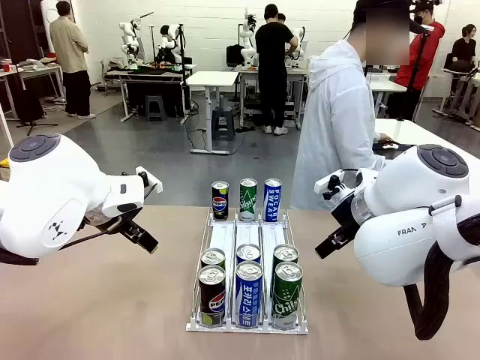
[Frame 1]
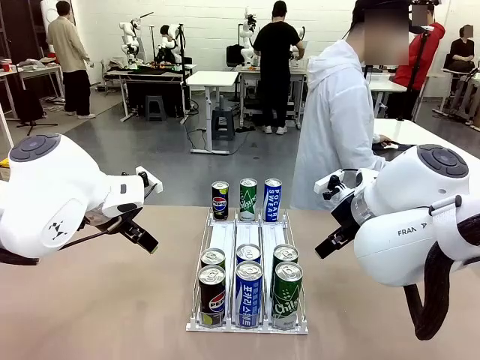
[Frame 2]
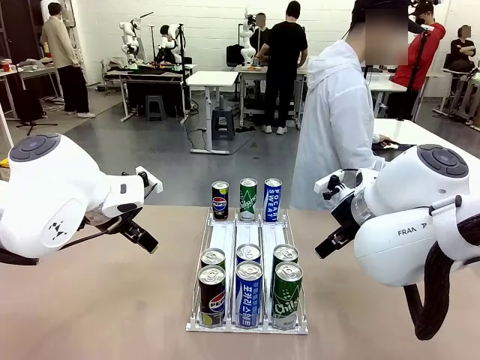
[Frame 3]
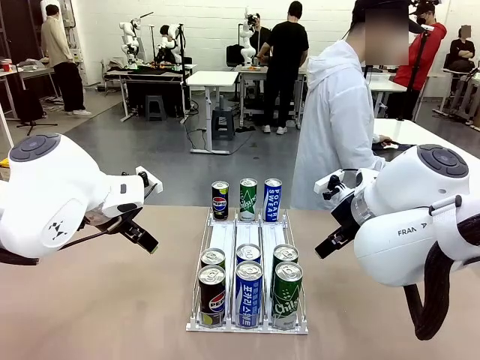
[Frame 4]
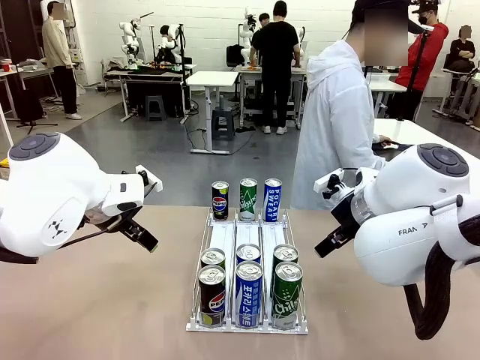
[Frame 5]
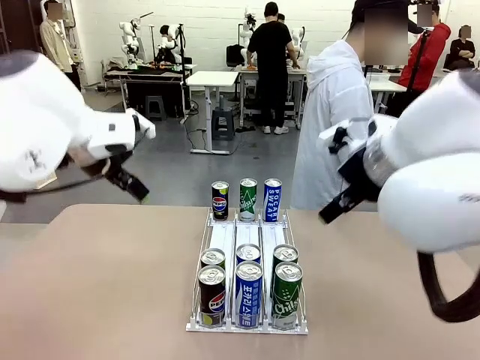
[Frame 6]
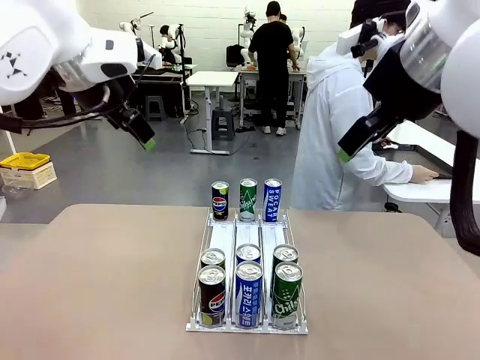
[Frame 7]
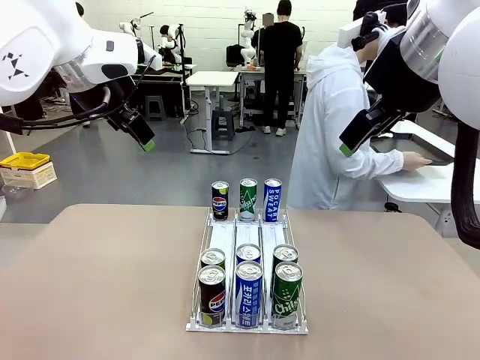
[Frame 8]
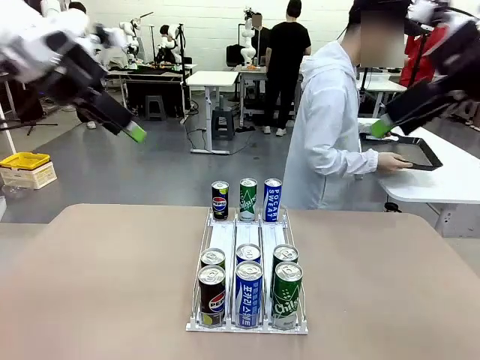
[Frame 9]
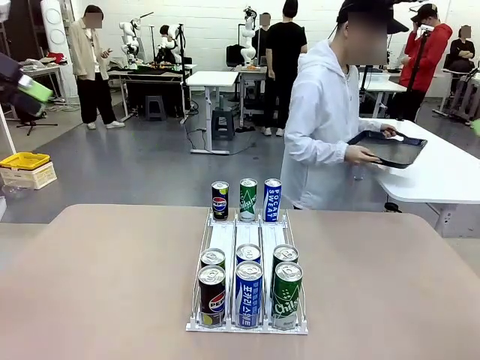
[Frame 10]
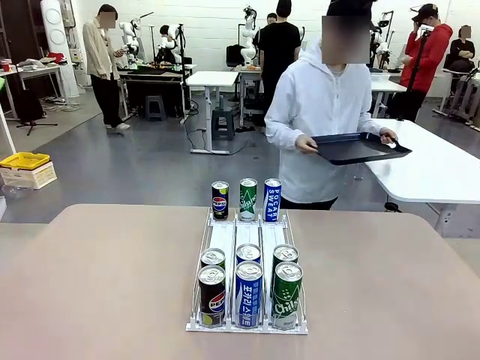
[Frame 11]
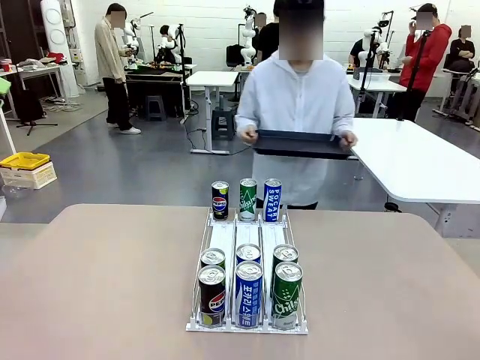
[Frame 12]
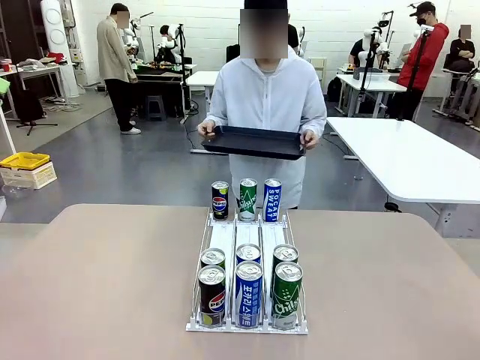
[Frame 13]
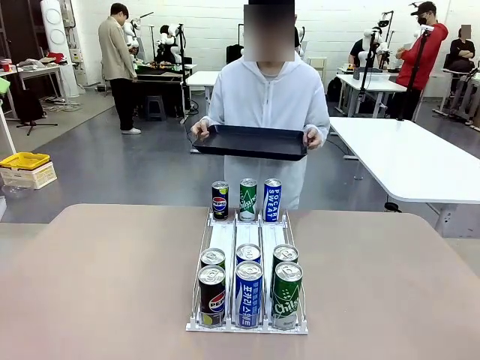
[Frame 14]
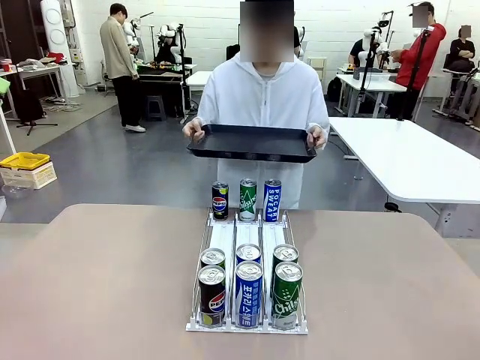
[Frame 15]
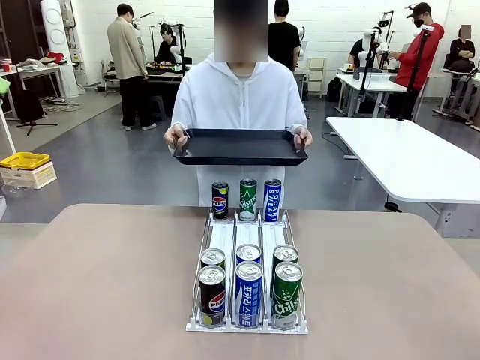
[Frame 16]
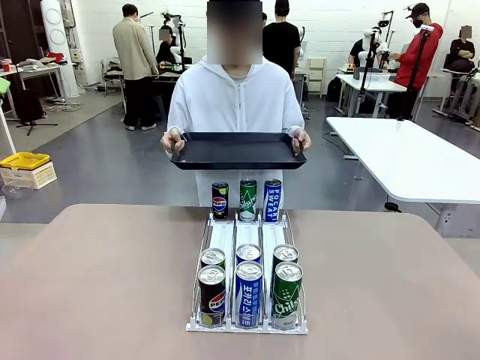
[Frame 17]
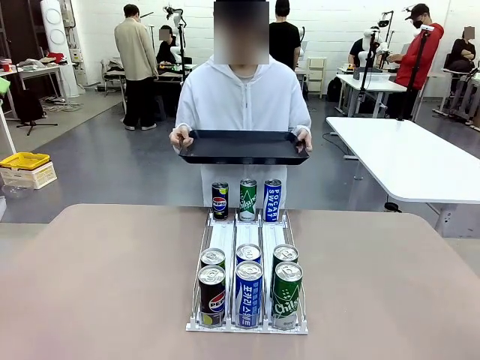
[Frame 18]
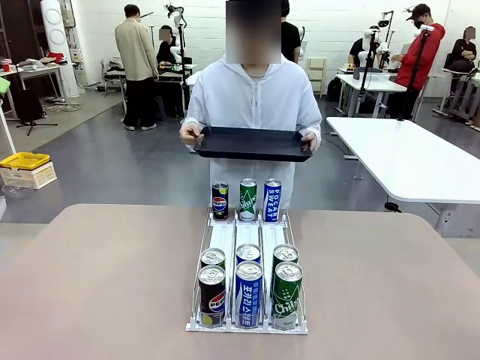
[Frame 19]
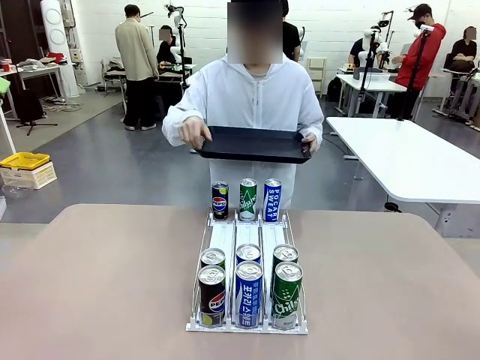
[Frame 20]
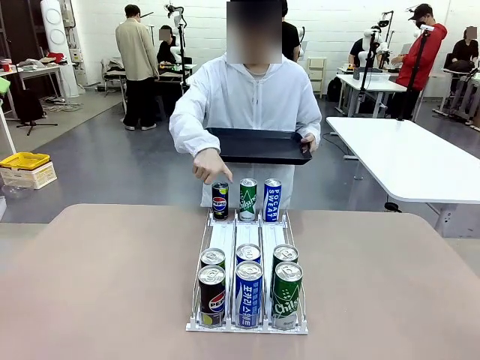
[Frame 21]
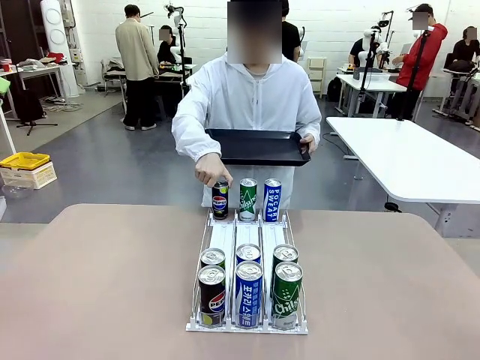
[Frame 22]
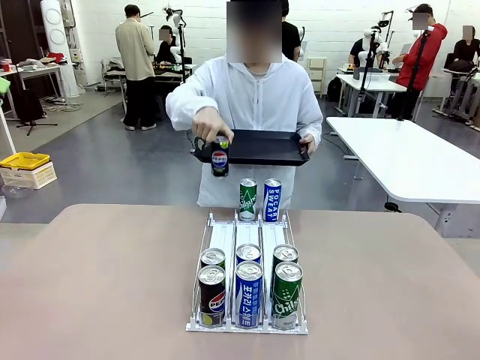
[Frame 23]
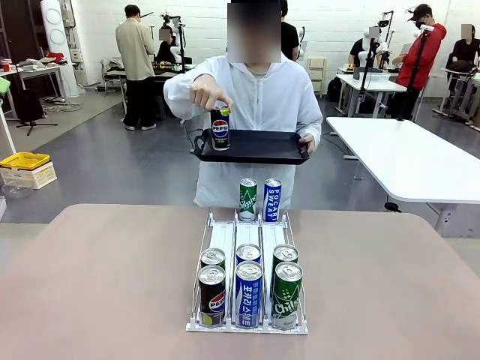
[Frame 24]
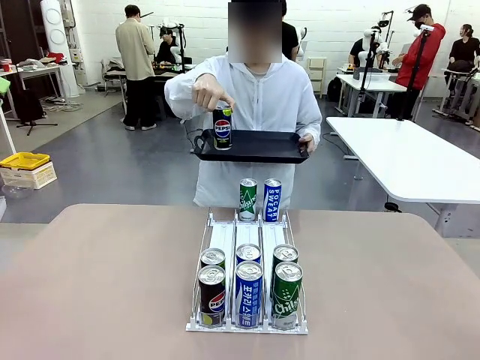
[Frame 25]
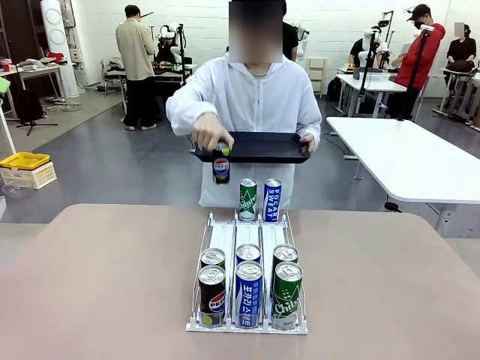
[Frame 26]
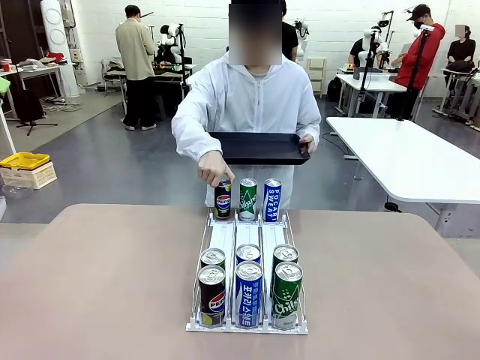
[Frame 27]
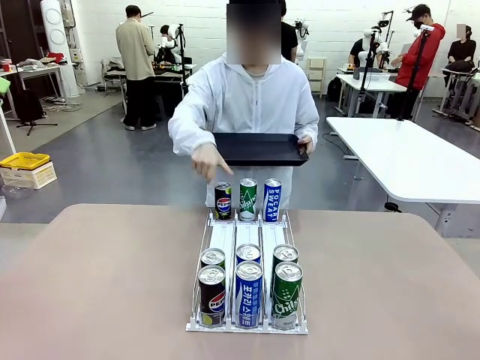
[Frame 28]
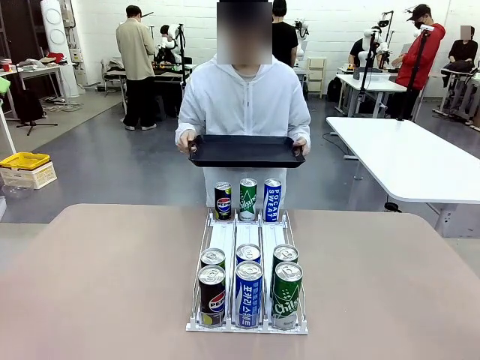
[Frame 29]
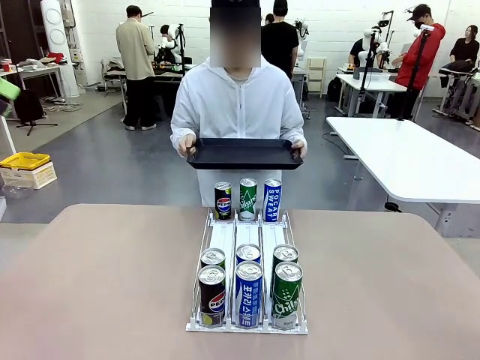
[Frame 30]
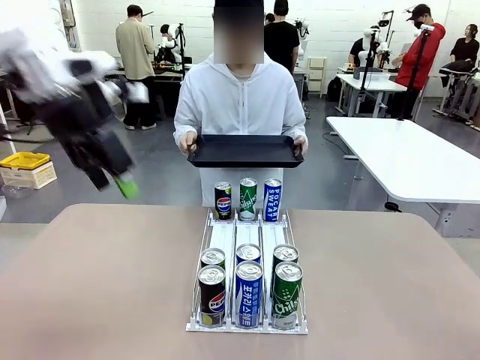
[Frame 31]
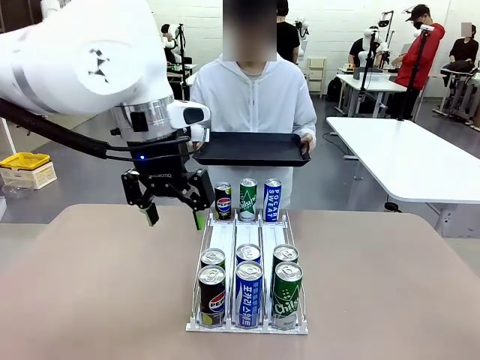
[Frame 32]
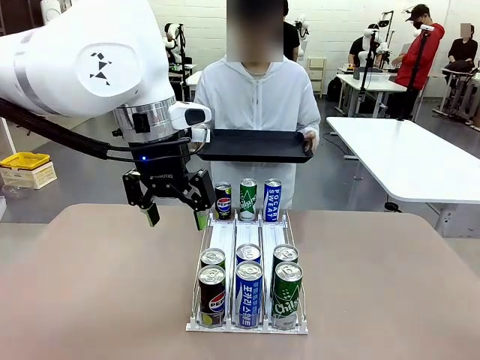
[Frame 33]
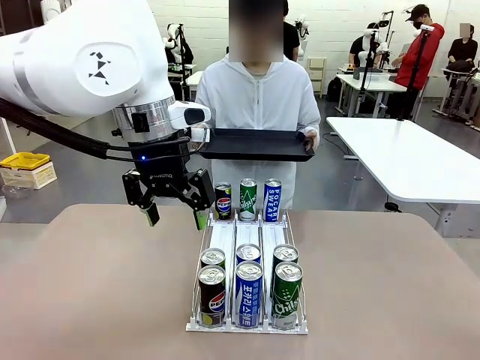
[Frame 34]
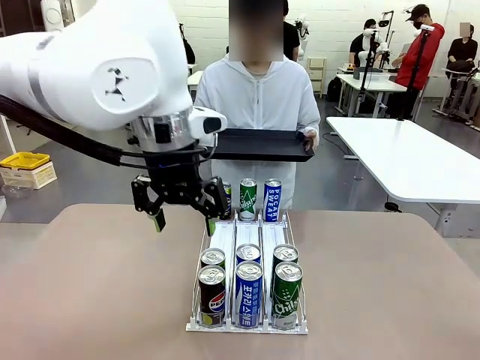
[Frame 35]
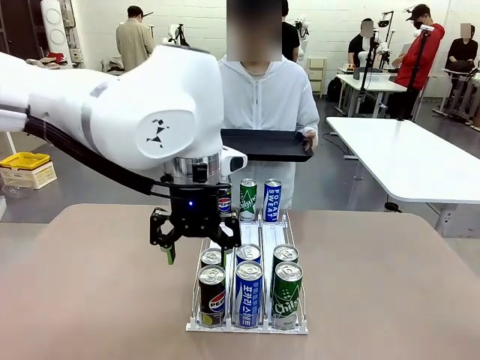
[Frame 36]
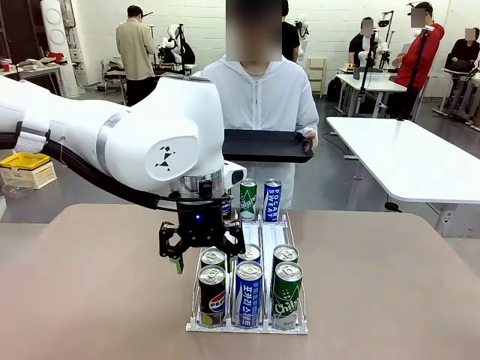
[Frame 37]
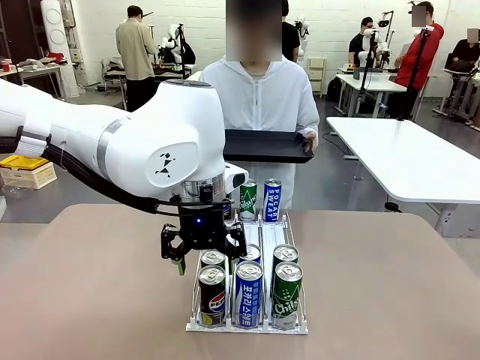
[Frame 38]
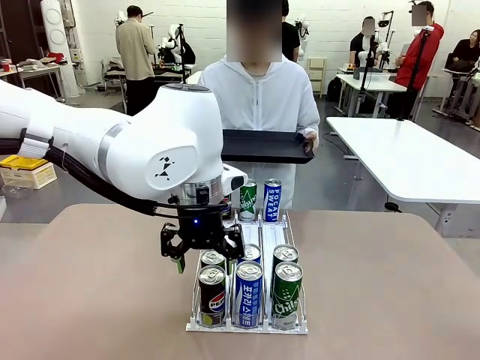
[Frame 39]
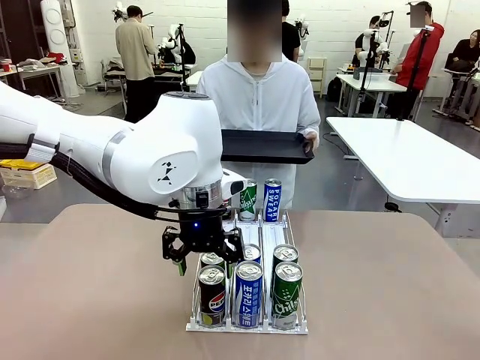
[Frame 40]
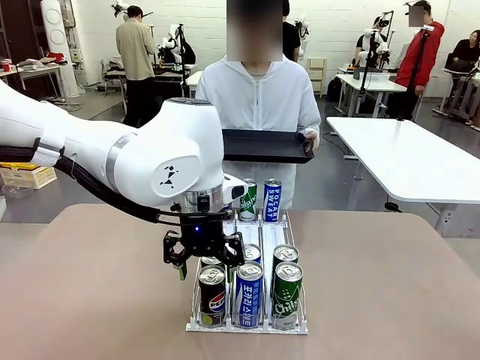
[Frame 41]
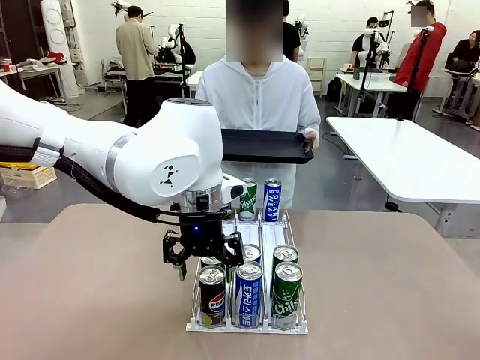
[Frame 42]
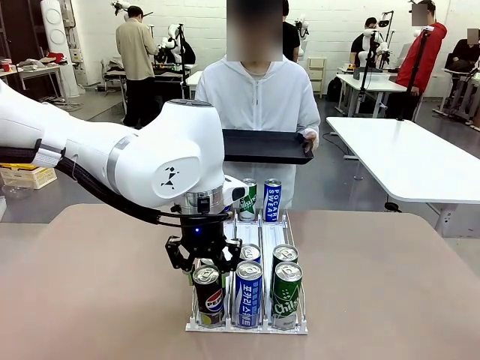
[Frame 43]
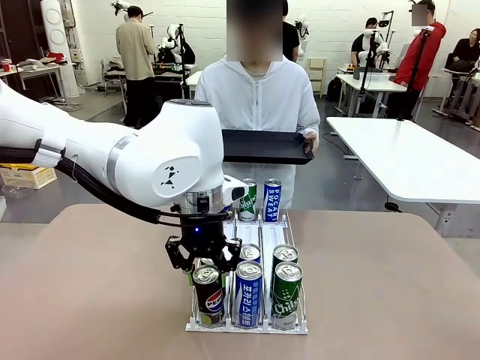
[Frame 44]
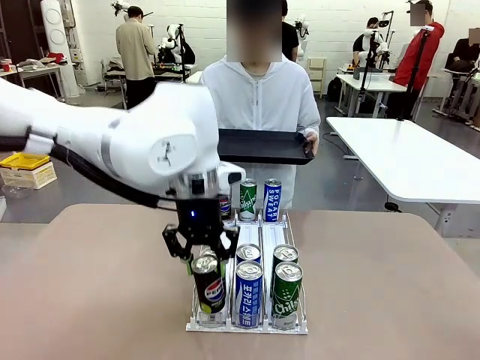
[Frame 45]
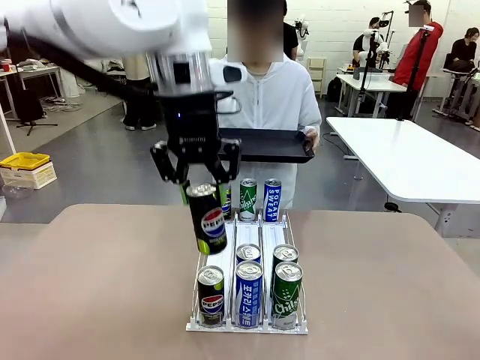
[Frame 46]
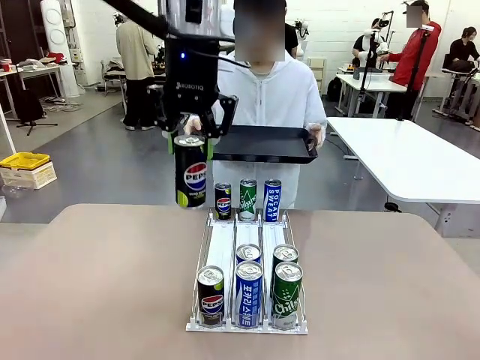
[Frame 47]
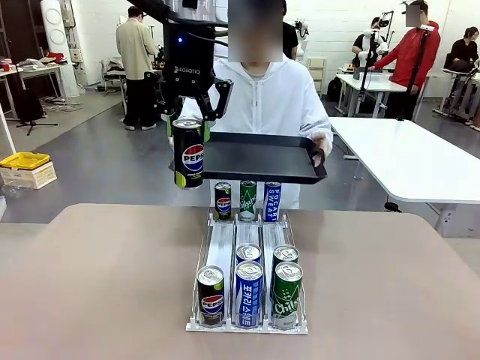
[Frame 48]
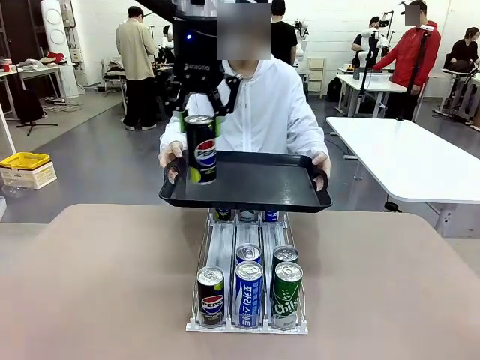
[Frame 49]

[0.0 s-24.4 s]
Task: Retrieve and hand over the desired beverage to the person.
Robot: Pick up a can of the same type that the person held from the Automatic Can Dispenser.
Person: Hold the tray and position yourself in front of the robot table. Pick up one can from the bottom area of the table and puts it back in its original place. Push the tray toward the robot.
